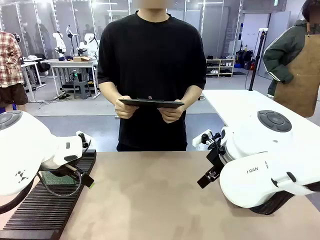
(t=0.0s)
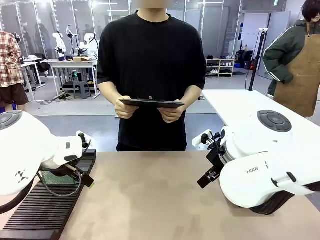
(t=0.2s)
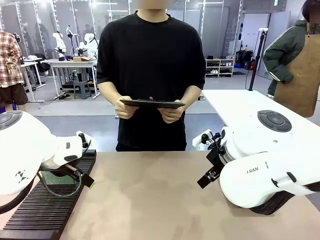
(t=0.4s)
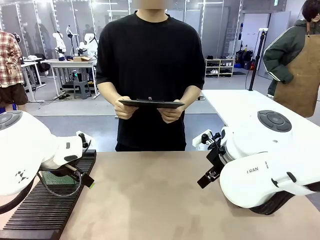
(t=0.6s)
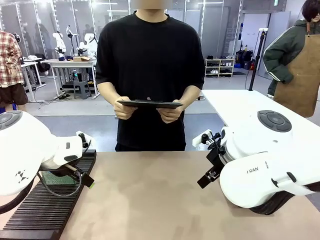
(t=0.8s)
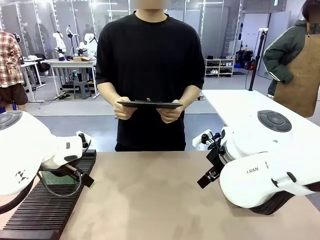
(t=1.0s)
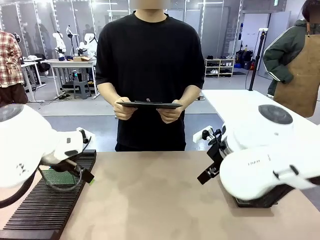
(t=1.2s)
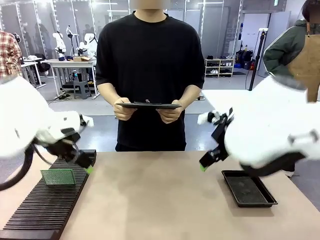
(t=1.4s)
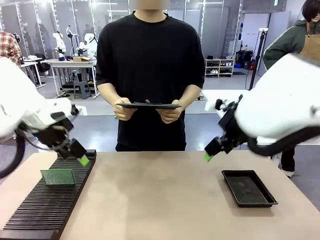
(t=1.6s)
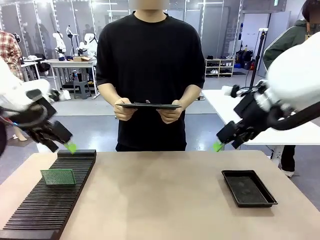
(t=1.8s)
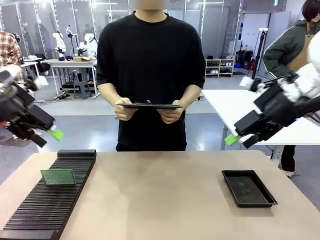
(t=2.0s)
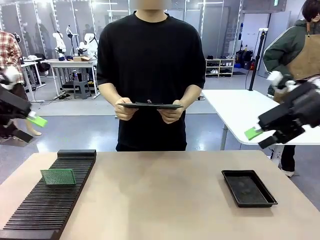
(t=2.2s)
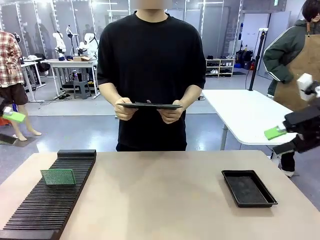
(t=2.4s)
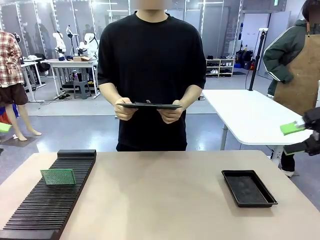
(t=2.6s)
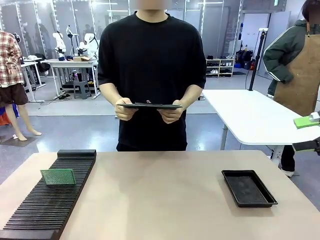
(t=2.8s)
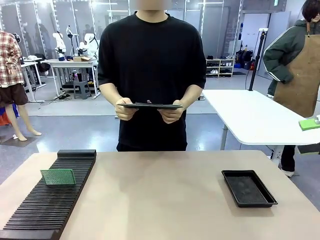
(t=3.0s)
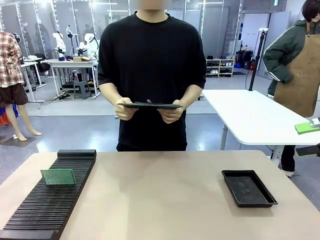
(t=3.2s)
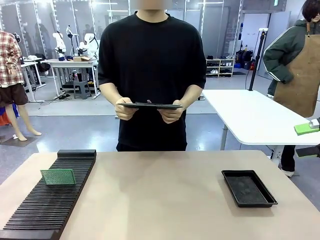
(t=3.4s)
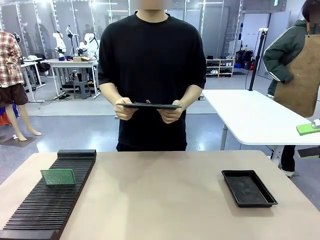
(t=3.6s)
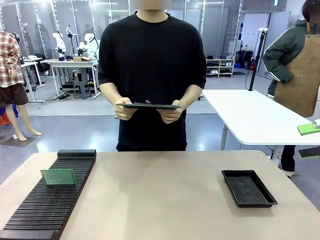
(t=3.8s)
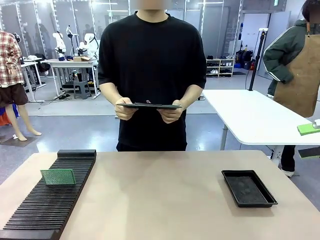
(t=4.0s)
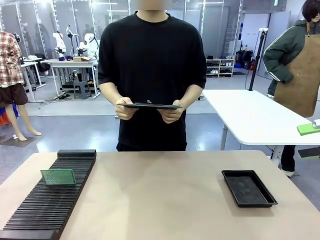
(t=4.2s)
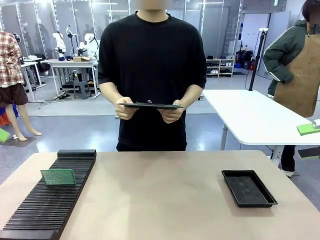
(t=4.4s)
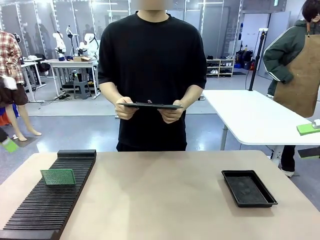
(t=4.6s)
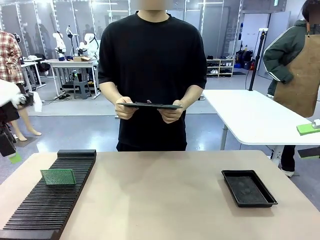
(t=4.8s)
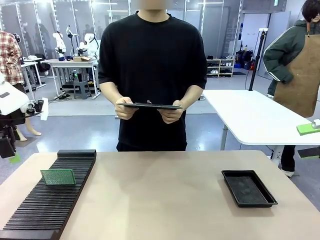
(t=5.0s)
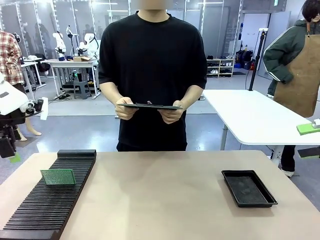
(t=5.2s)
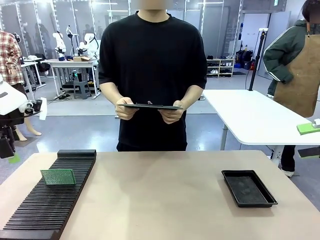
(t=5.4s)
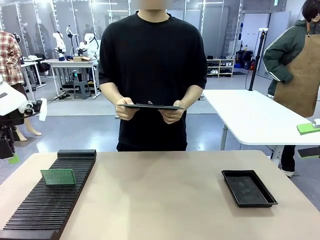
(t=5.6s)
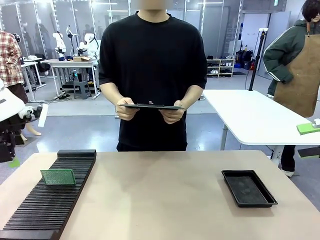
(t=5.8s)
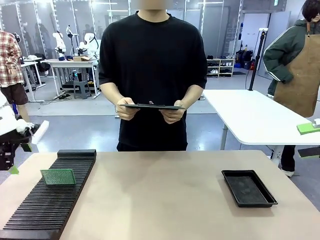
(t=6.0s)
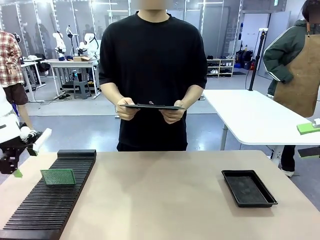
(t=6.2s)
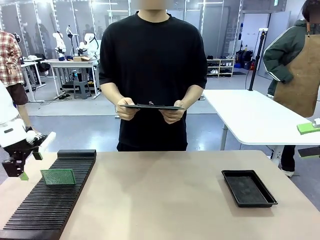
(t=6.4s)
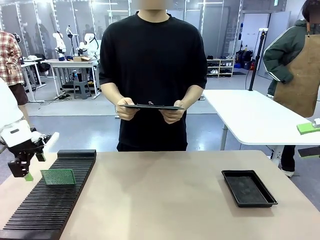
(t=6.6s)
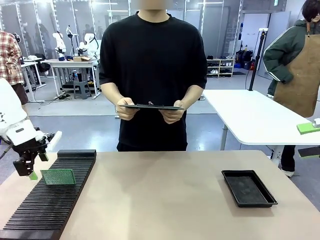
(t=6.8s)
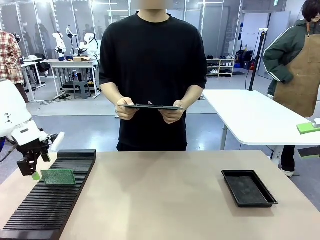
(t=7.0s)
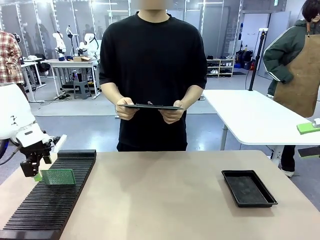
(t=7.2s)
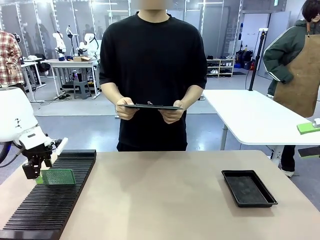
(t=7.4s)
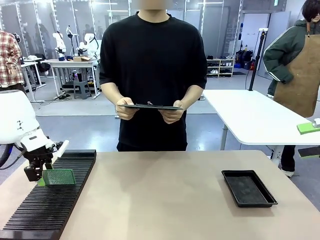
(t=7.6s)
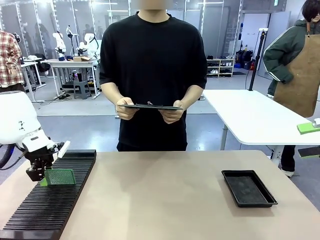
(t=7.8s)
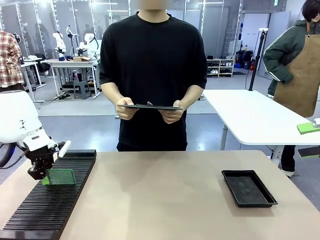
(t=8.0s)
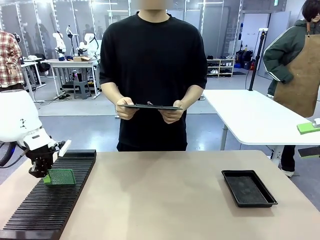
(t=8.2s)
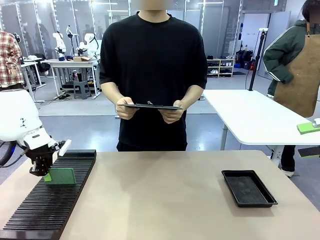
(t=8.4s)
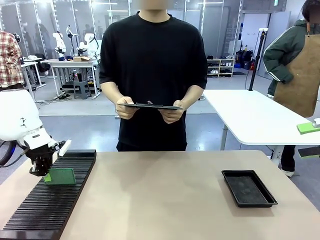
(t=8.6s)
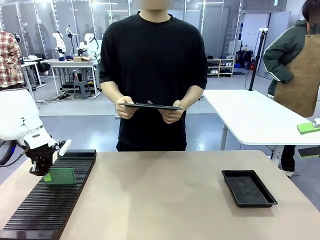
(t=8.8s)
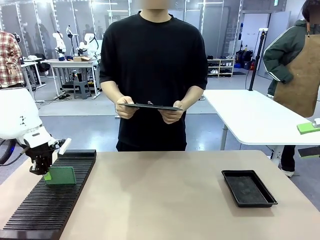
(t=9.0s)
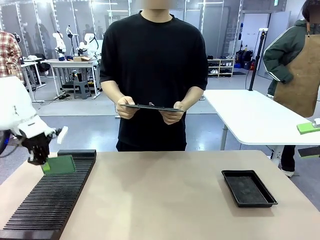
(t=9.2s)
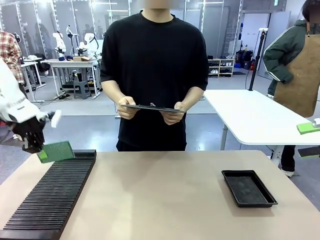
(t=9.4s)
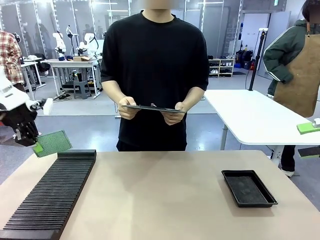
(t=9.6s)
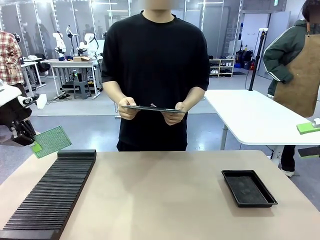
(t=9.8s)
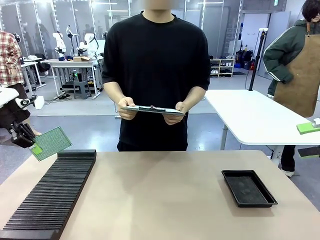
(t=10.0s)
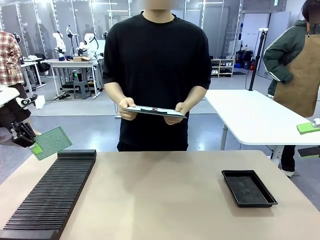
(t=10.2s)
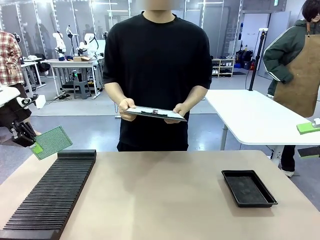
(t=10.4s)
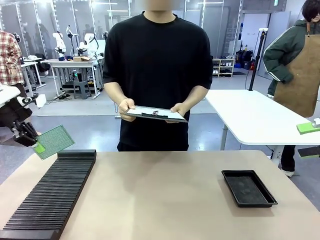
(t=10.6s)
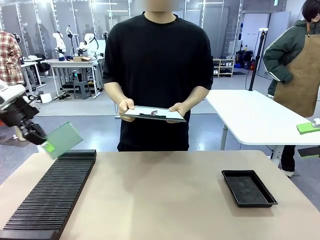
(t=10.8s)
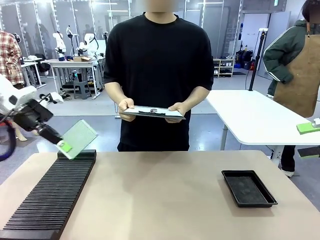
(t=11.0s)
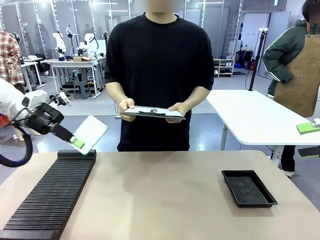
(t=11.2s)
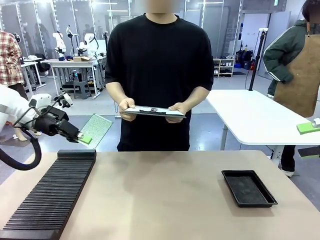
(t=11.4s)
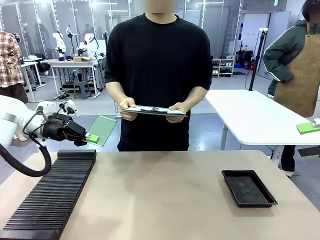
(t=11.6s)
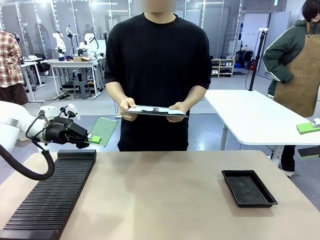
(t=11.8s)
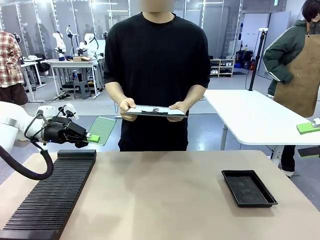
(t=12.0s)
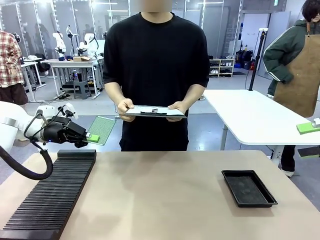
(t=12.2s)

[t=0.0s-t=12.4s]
Task: Inspect the PCB.
Robot: Pick up the Blank PCB and present it to the human.
Person: Pick up the PCB presented by the robot.

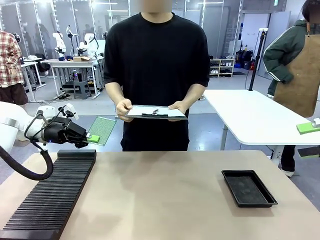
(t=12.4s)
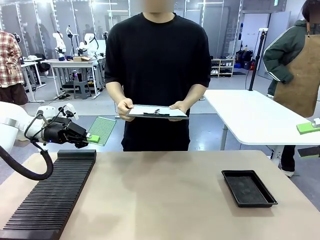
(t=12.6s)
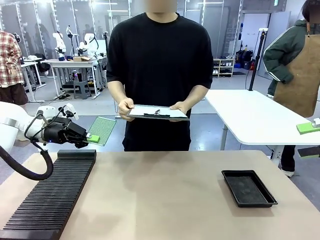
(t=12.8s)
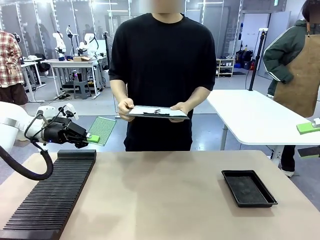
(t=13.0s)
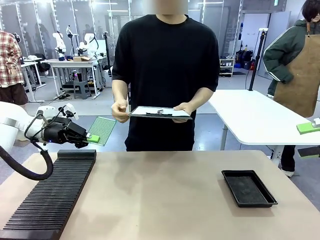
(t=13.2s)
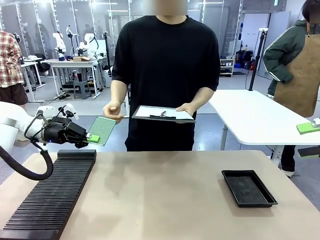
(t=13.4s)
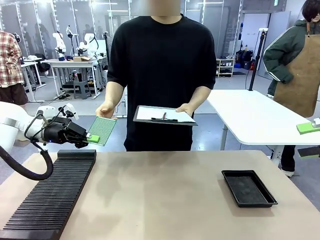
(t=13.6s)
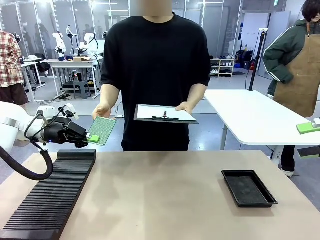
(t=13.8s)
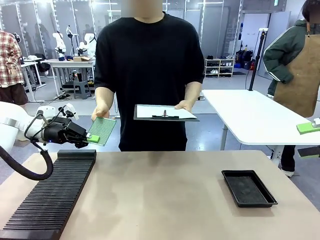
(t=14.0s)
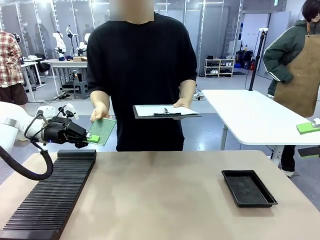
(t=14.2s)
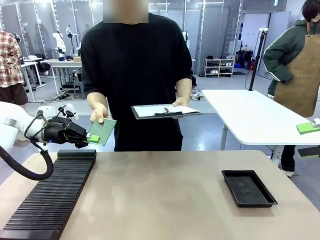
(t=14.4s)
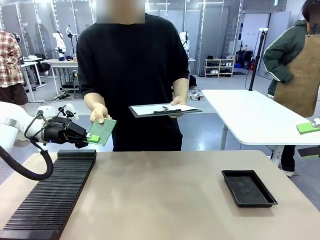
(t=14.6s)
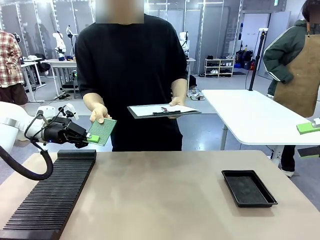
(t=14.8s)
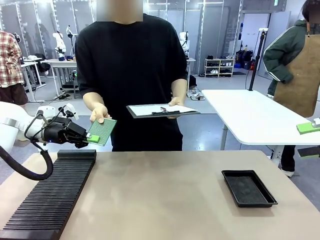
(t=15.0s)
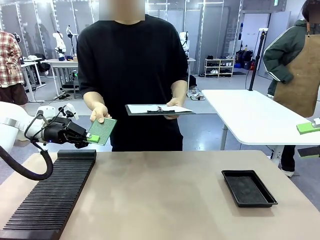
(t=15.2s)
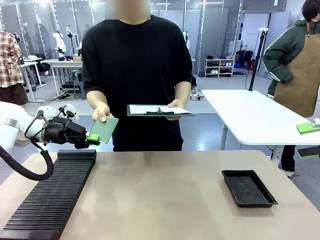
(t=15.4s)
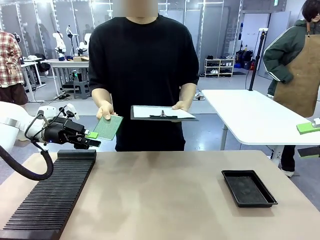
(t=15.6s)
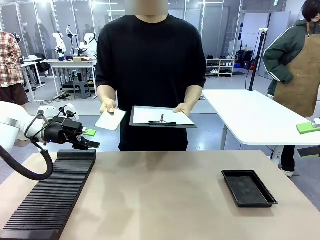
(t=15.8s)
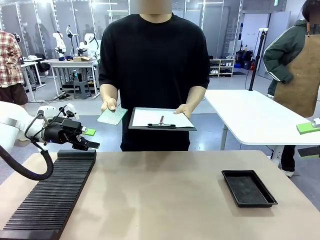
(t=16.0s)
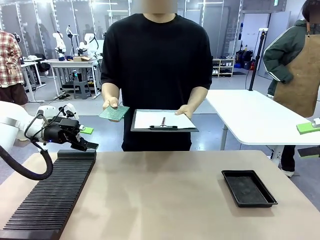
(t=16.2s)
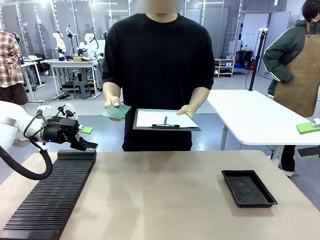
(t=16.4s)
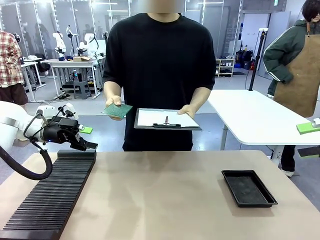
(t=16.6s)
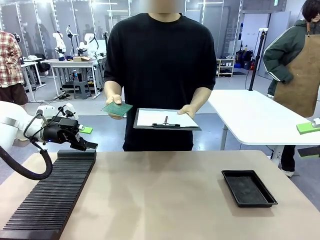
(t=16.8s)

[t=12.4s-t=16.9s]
Robot: Release the Blank PCB you were holding.
